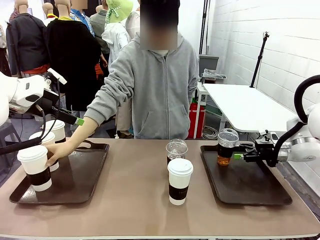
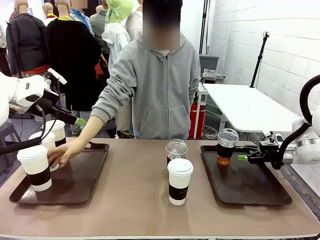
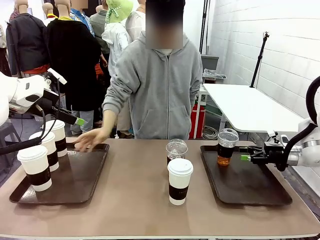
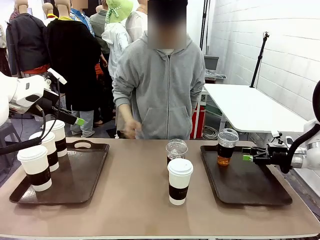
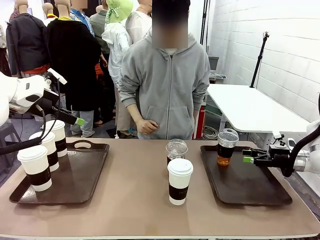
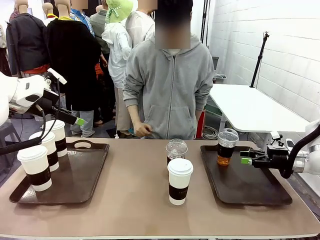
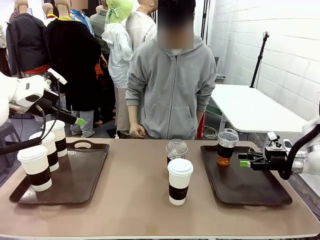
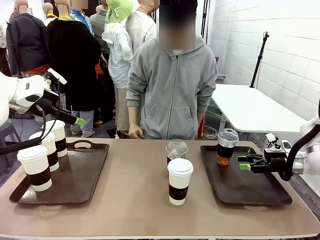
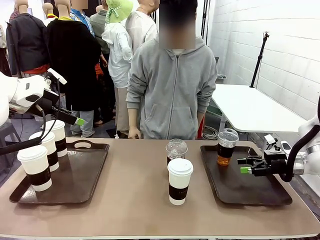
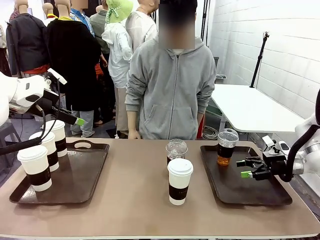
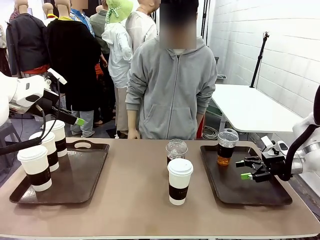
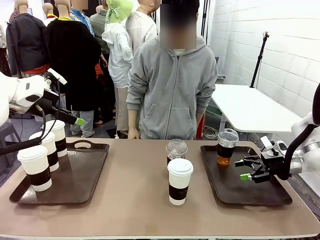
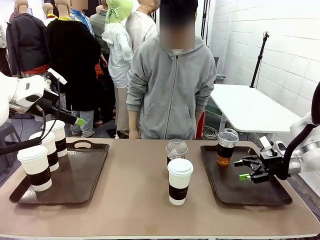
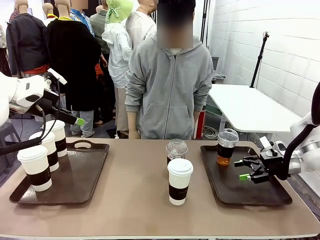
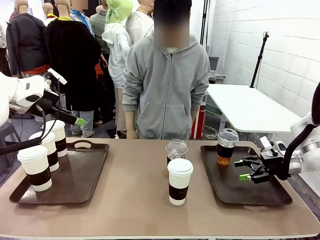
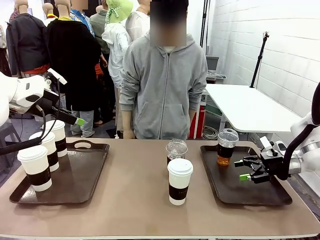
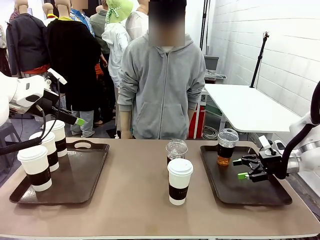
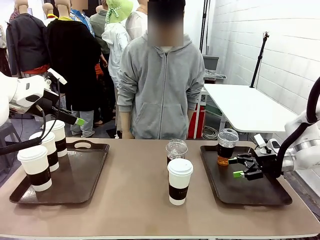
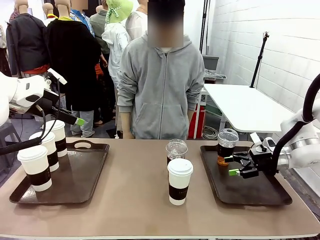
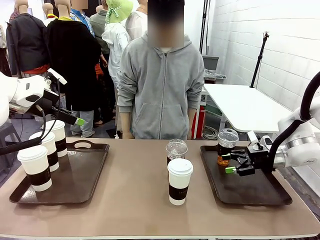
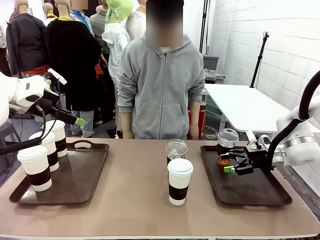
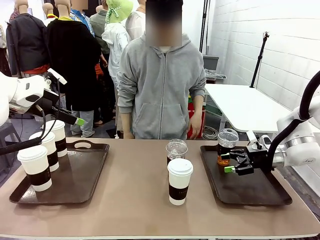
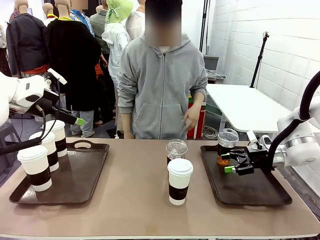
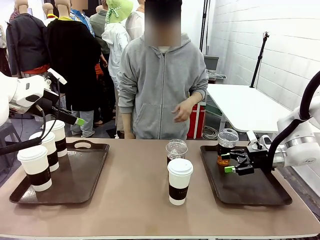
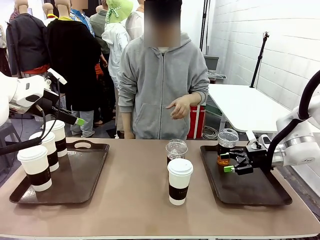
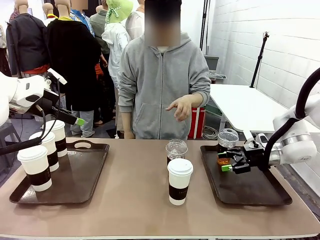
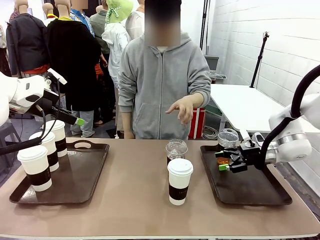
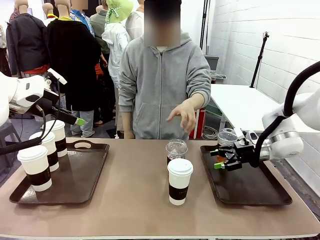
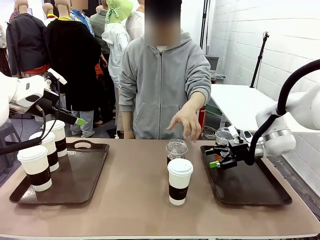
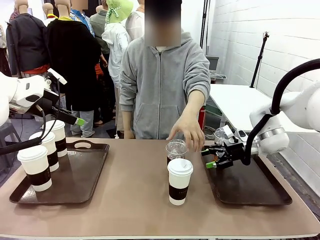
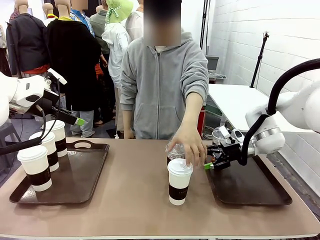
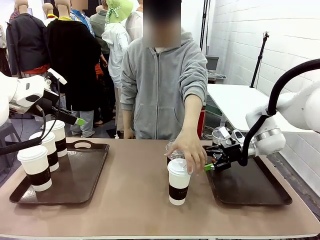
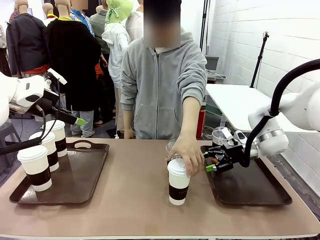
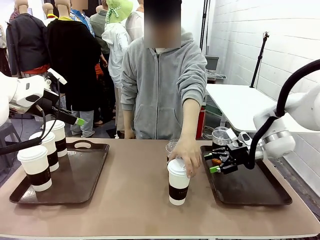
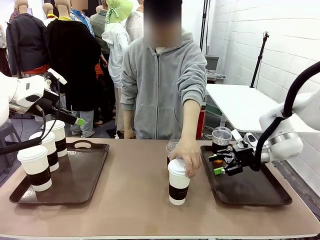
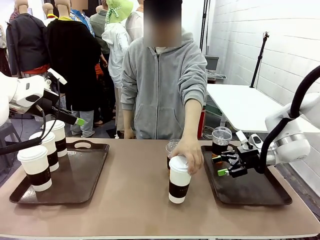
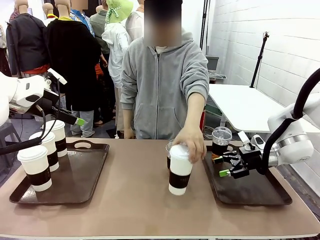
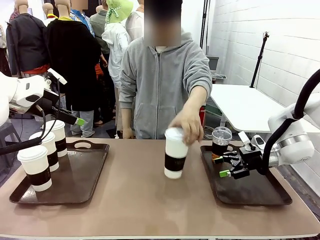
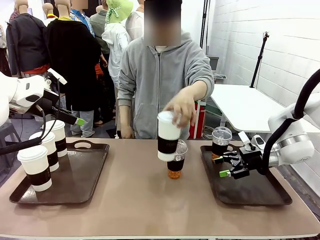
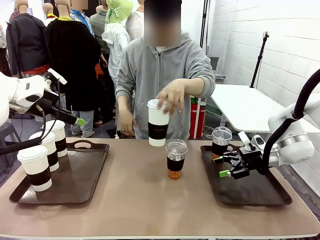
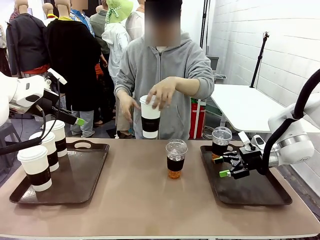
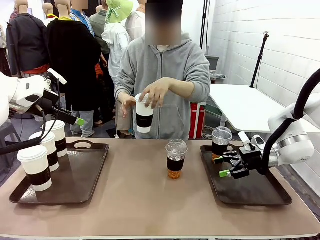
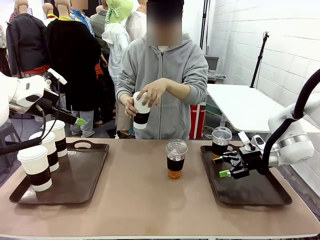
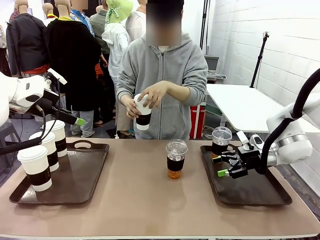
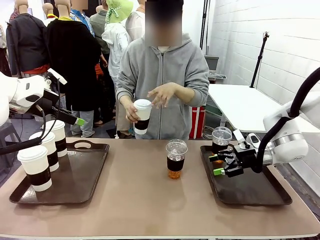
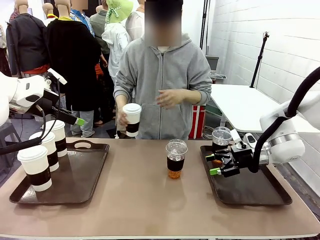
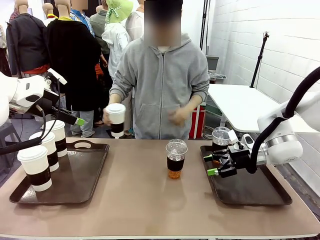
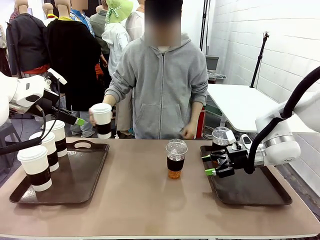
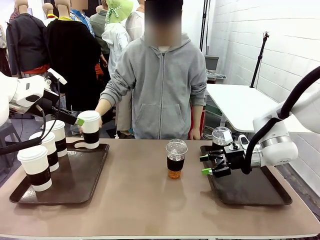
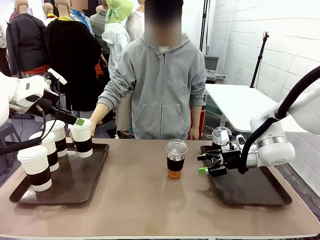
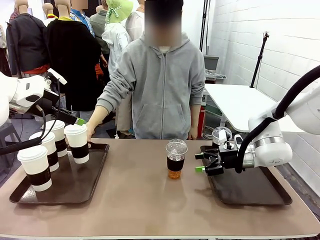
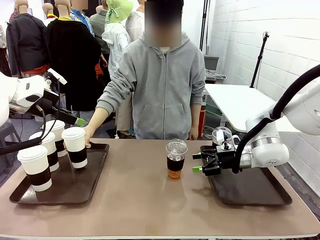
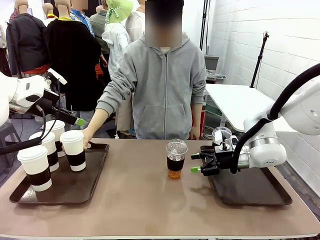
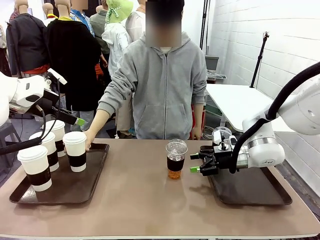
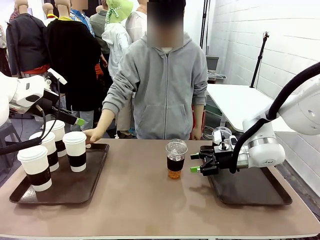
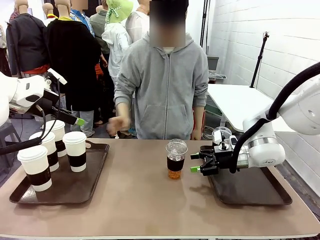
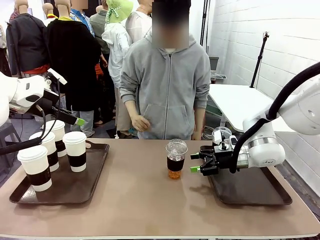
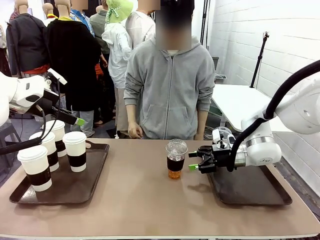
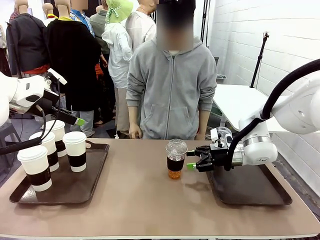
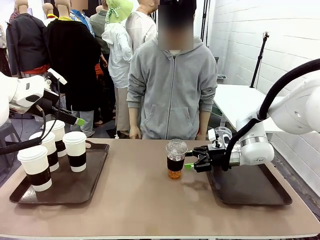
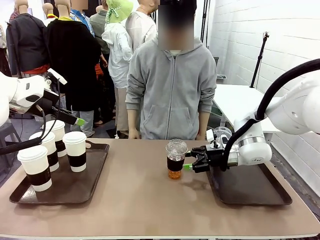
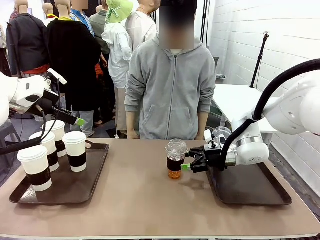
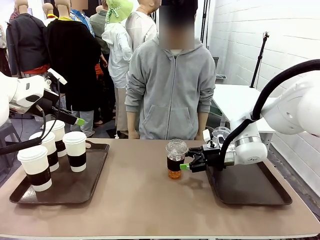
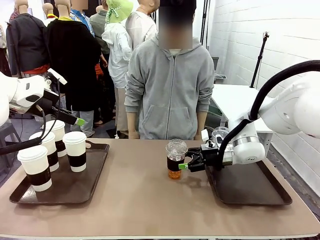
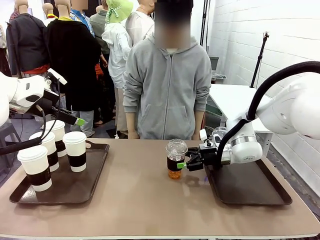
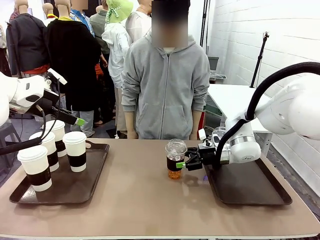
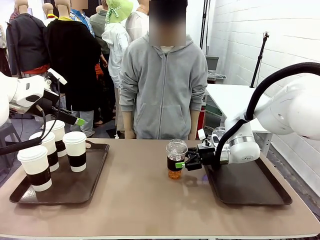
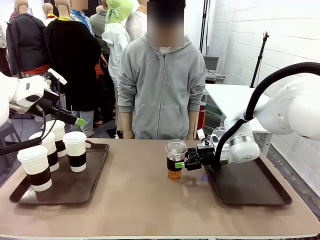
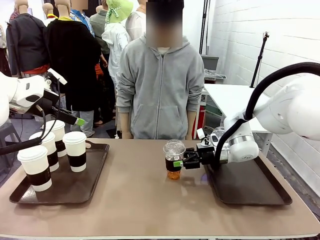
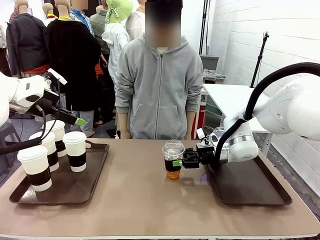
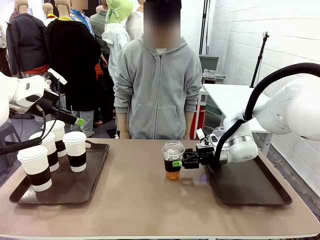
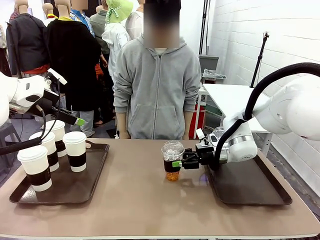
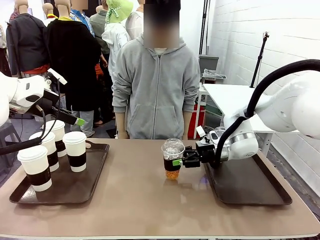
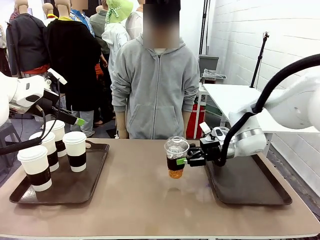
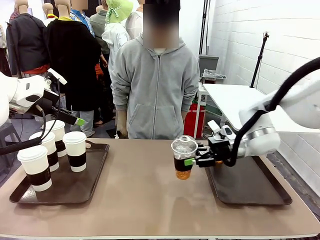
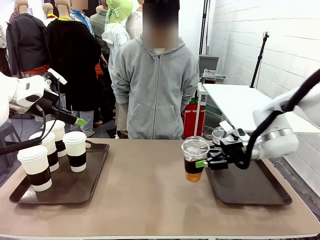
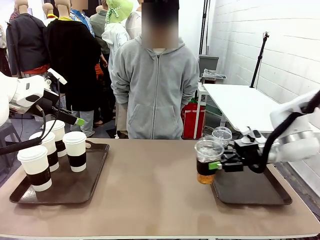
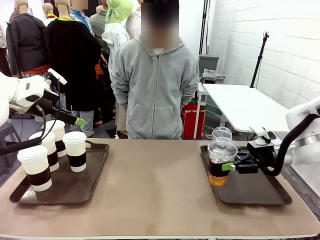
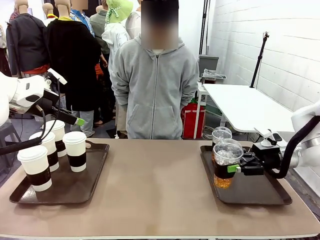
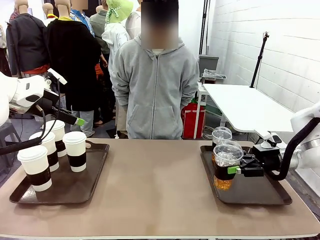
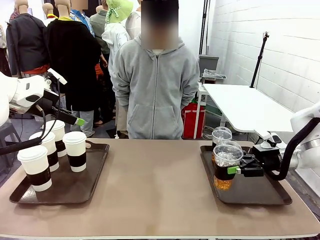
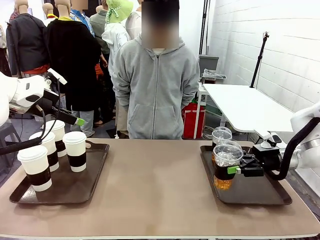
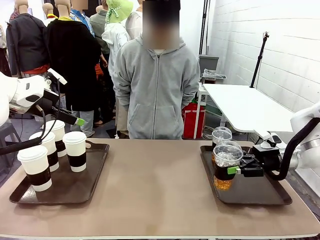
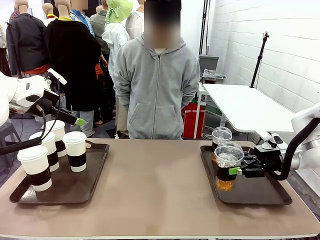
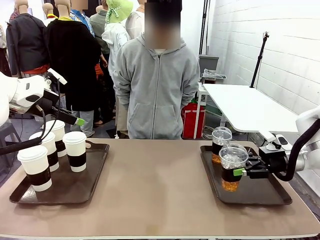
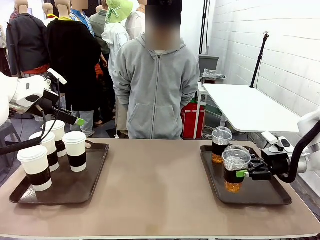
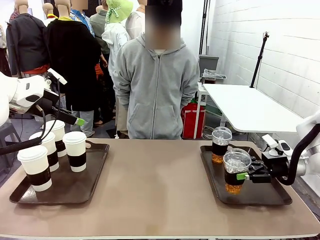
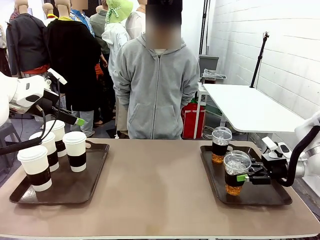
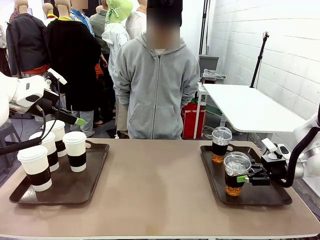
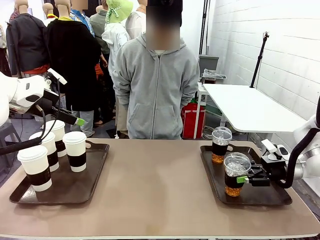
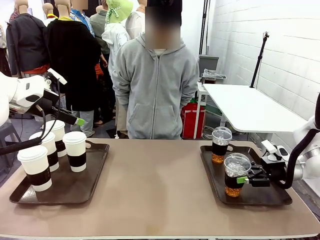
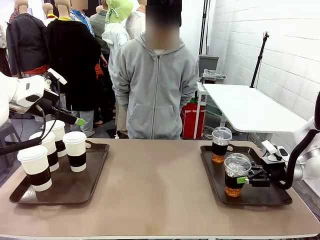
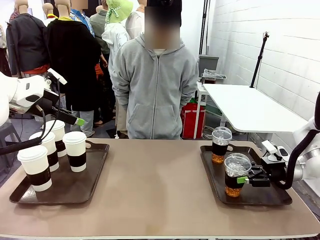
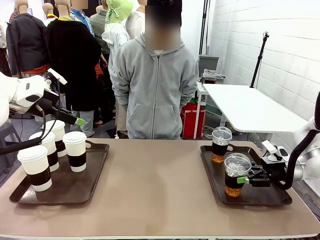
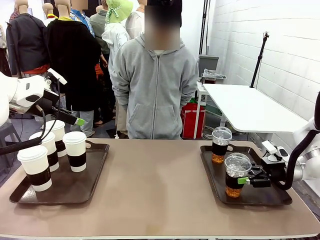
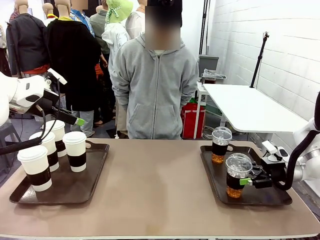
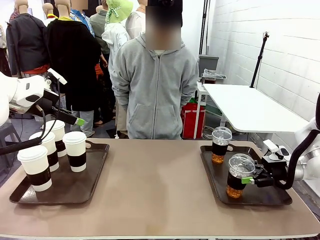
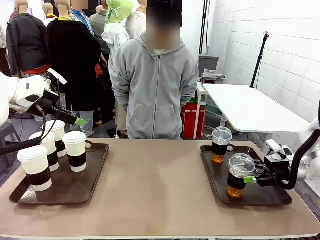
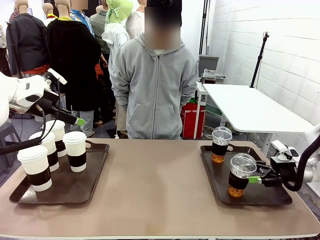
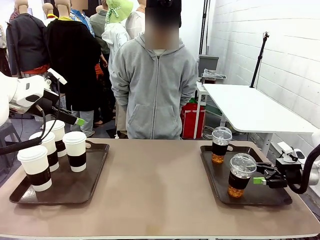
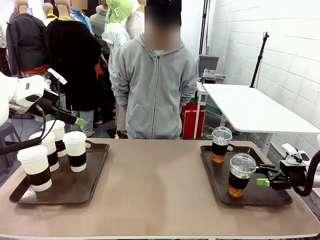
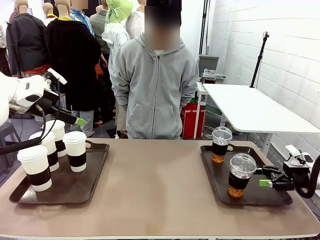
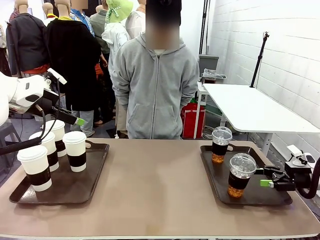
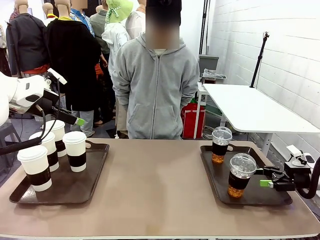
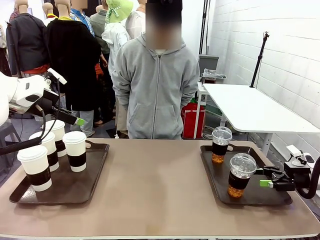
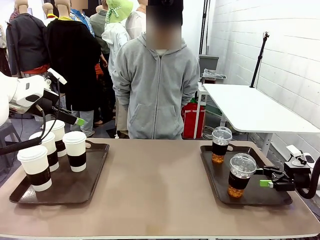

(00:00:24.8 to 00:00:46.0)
Task: Distribute the coffee onto the tray.
Robot: Pick up another iced Americano from the middle of the table and place it on the right Handle tray.
Person: Pick up a cup of hot Americano from the middle of the table and place it on the right tray.
